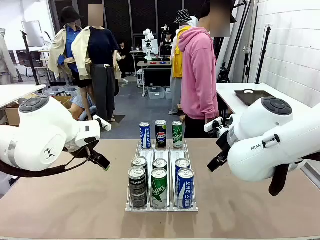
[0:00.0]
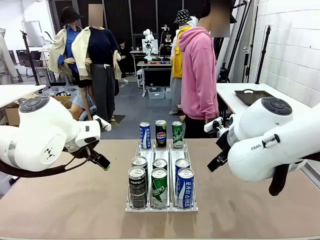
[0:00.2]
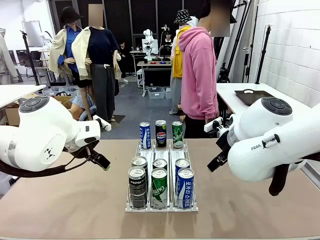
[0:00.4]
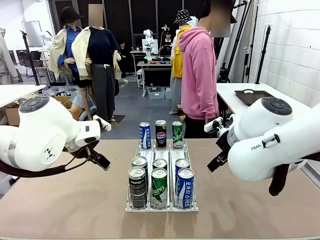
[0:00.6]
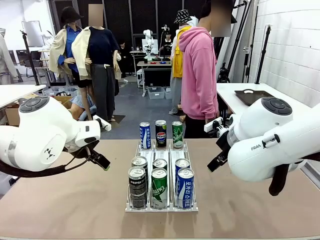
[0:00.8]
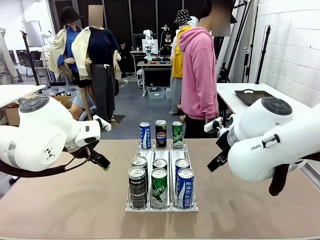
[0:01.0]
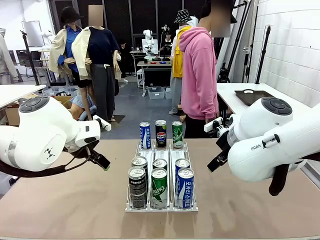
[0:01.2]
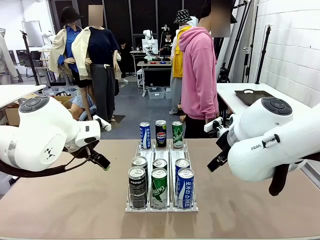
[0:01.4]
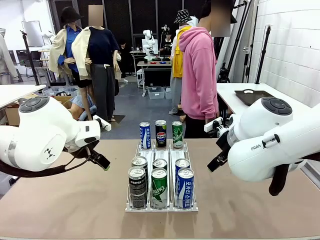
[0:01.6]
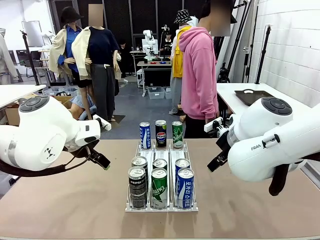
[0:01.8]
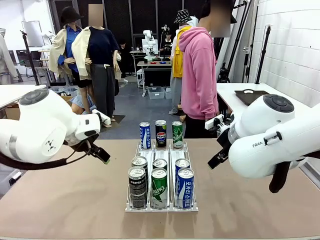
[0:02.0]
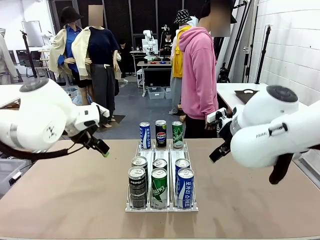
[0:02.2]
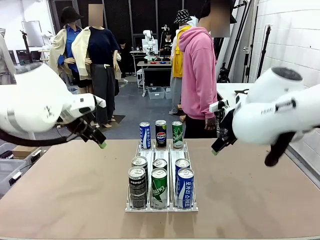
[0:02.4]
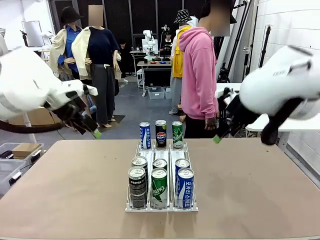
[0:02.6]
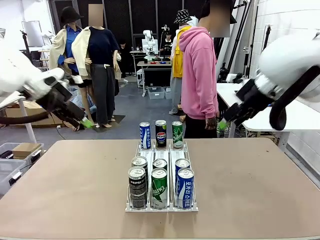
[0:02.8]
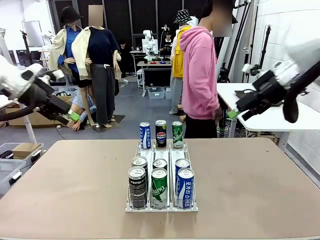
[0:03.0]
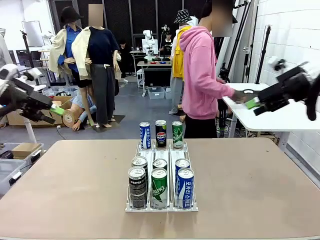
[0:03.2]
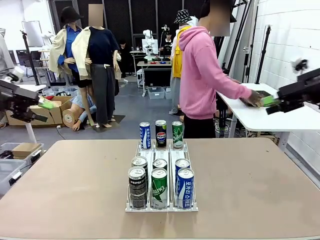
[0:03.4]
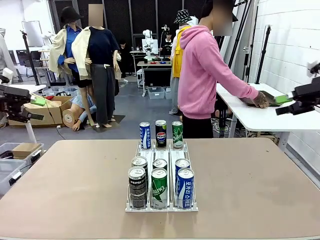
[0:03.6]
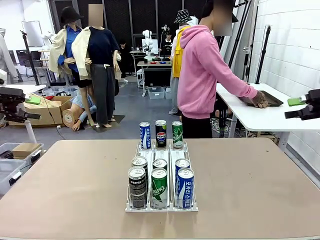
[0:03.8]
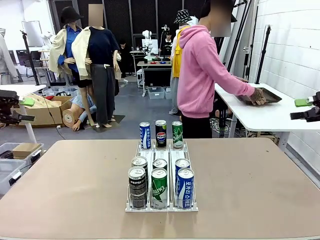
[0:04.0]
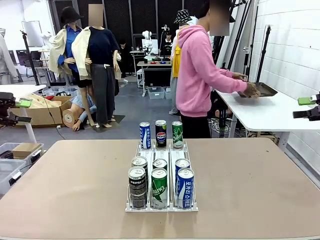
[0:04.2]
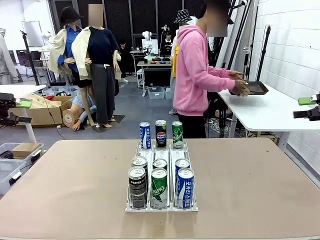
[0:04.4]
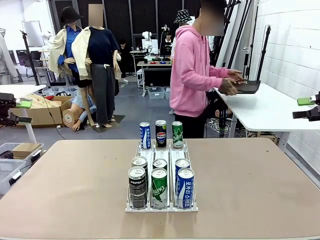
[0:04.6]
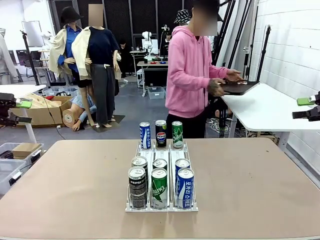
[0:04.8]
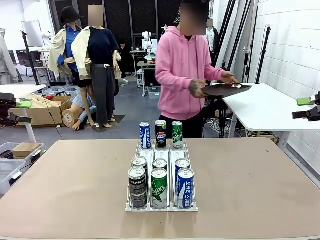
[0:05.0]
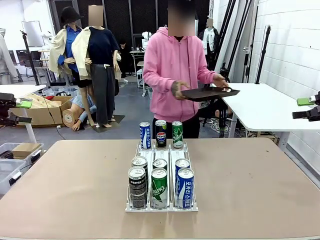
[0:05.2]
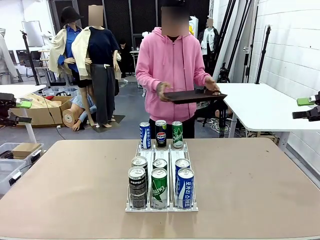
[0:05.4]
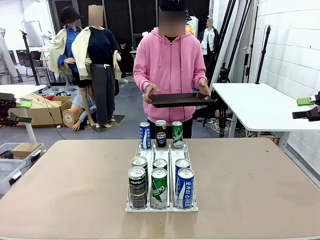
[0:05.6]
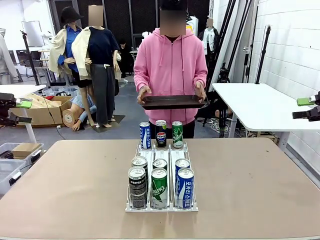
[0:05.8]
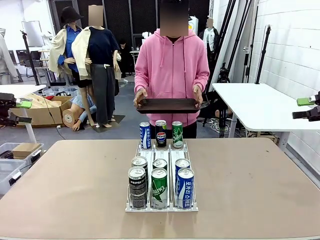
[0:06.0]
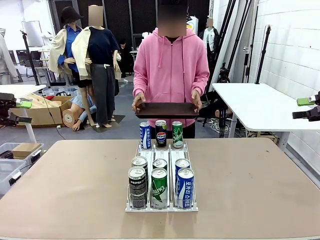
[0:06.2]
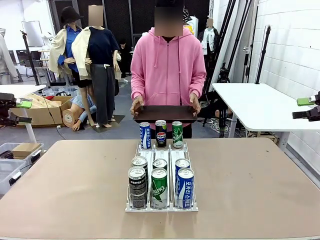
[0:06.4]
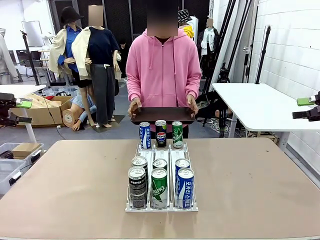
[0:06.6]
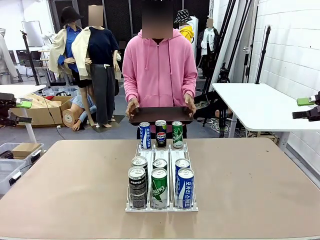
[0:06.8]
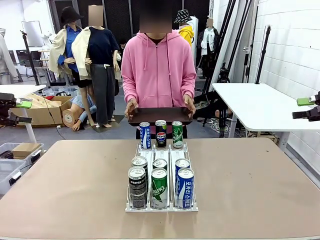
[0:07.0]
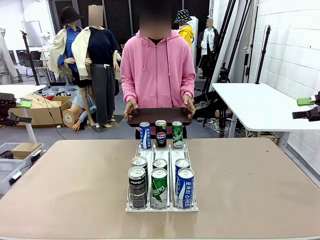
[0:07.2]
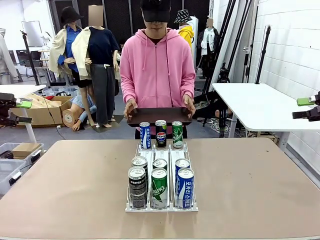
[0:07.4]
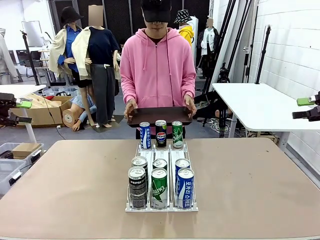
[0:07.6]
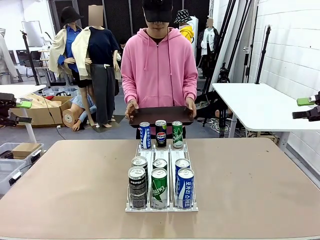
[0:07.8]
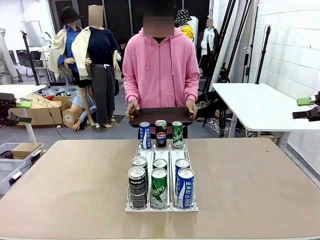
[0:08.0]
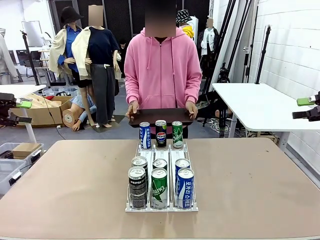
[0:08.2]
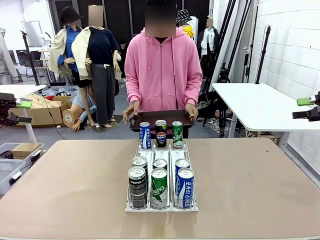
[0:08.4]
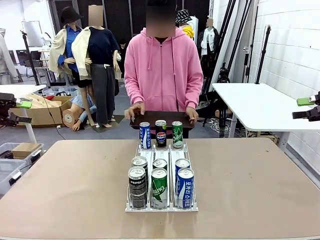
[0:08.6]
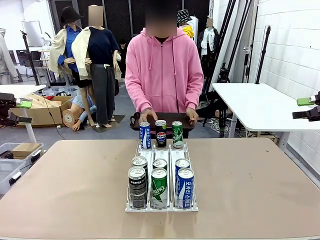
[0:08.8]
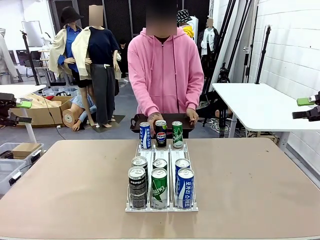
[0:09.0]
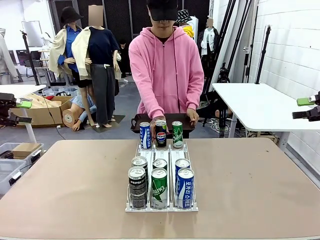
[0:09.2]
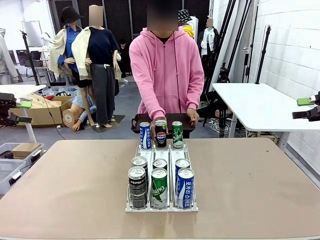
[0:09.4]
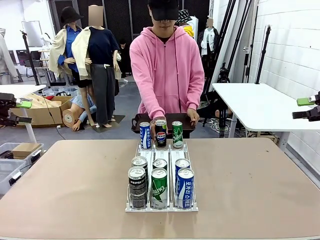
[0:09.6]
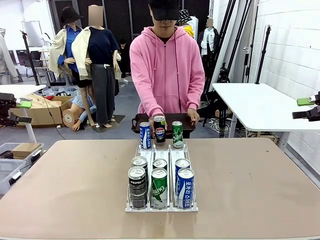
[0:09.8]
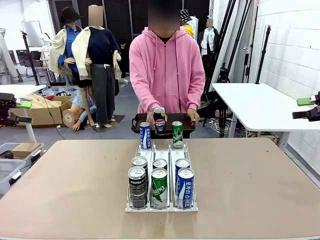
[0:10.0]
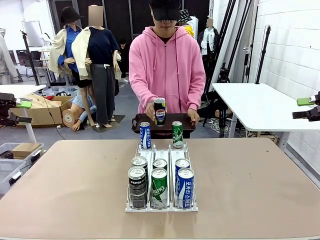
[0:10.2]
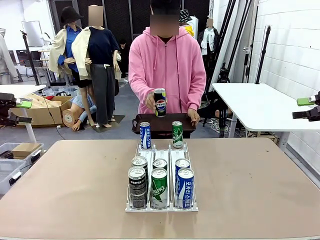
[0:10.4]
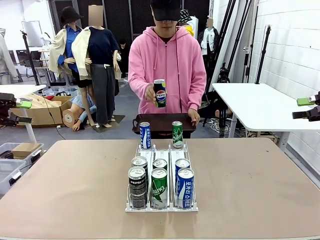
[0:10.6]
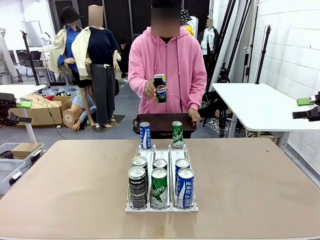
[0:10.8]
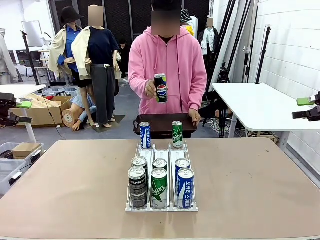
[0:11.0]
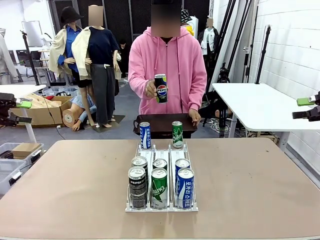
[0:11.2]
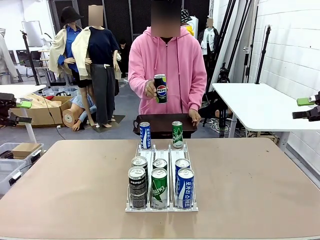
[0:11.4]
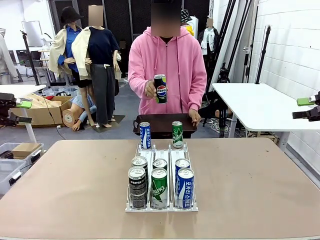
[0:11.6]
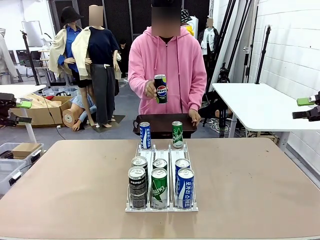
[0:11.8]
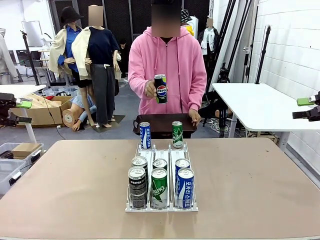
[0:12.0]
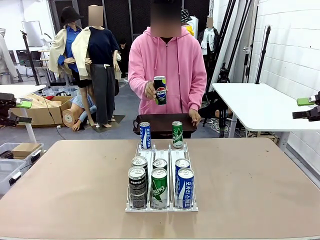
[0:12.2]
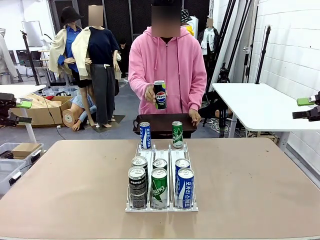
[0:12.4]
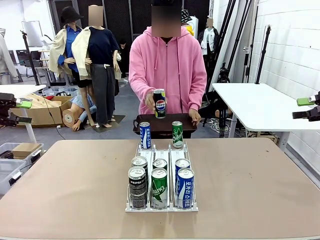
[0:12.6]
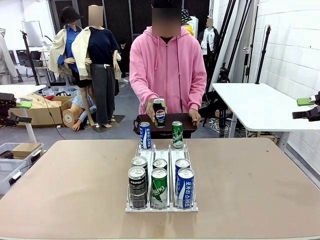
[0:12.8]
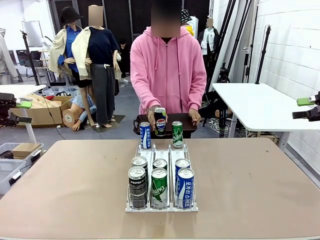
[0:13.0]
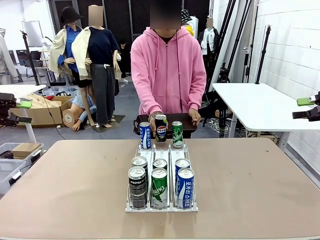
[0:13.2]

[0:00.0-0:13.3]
Task: Retrieve and hand over the desired beverage to the person.
Robot: Pick up a can of the same type that the person held from the Automatic Can Dispenser.
Person: Hold the tray and position yourself in front of the robot table. Pick up one can from the bottom area of the table and puts it back in its original place.
